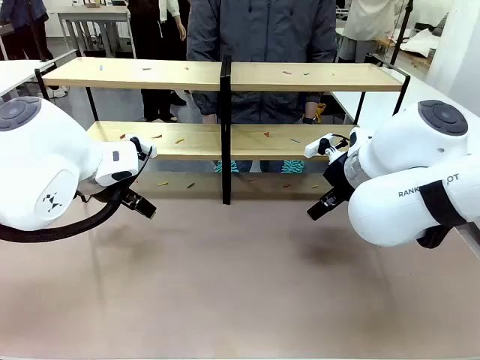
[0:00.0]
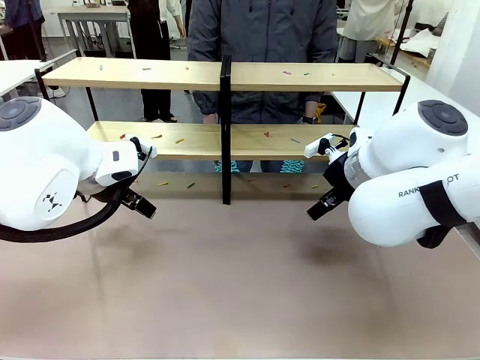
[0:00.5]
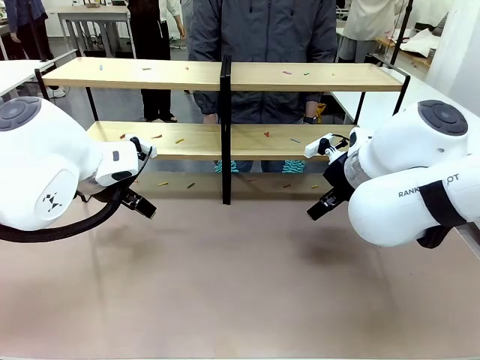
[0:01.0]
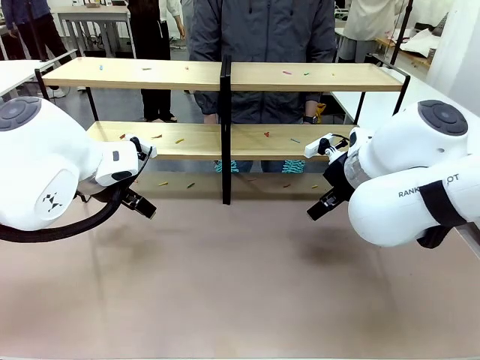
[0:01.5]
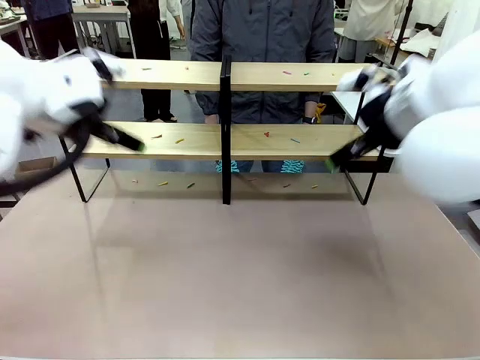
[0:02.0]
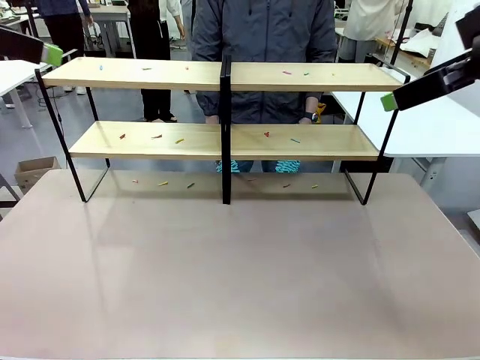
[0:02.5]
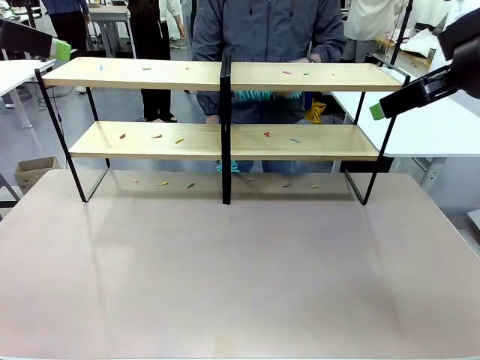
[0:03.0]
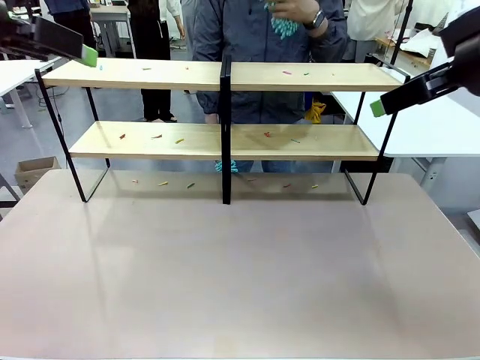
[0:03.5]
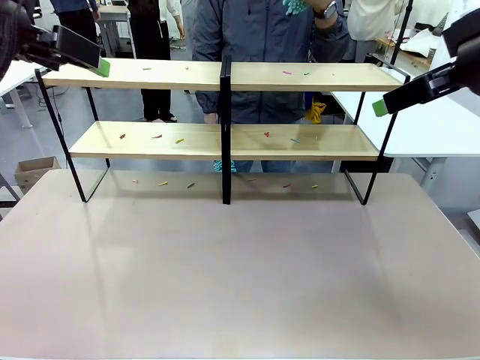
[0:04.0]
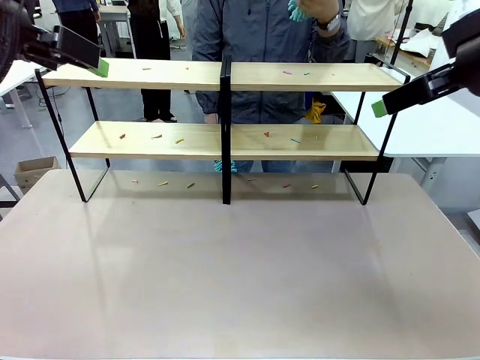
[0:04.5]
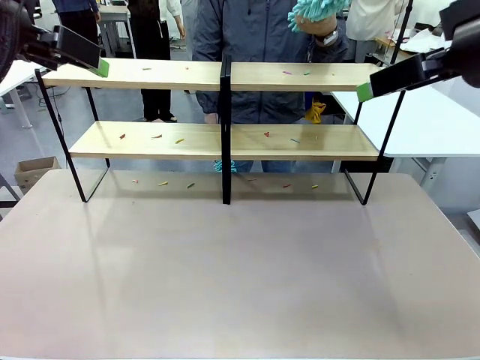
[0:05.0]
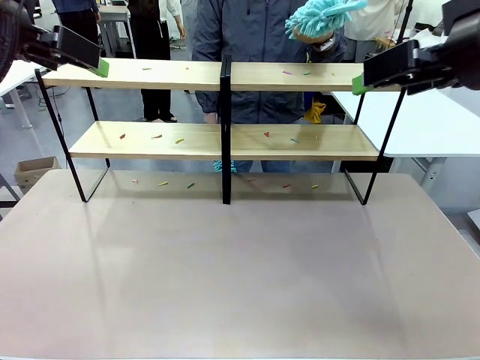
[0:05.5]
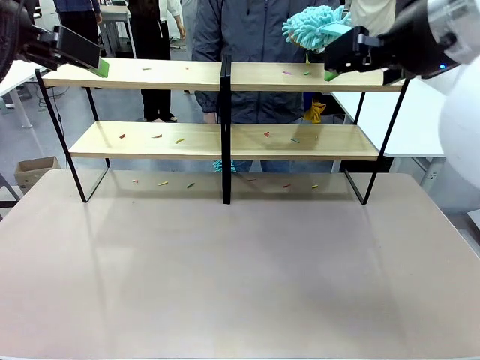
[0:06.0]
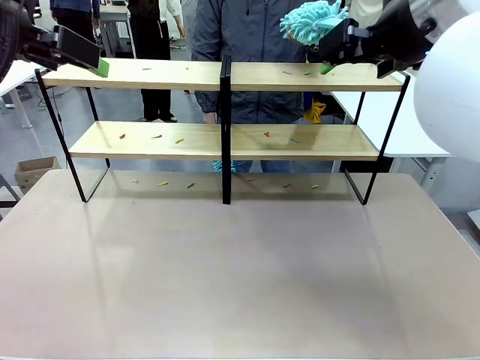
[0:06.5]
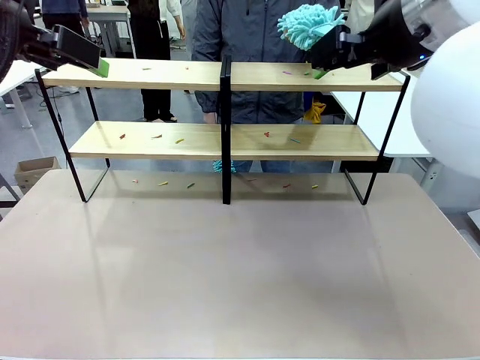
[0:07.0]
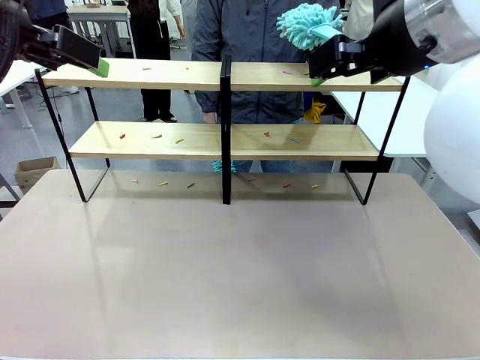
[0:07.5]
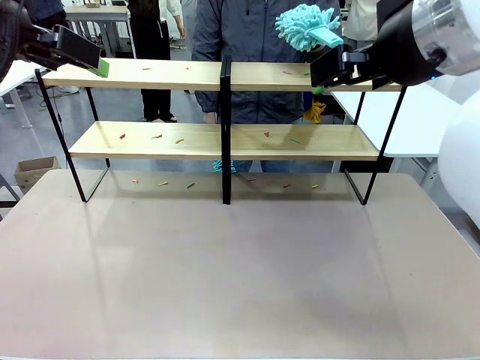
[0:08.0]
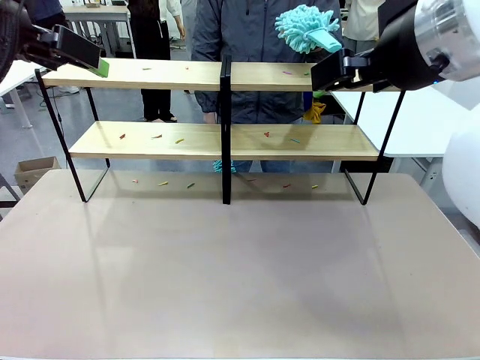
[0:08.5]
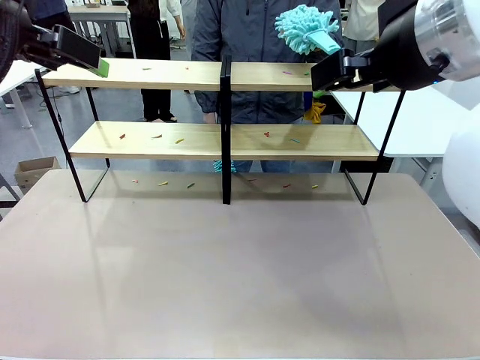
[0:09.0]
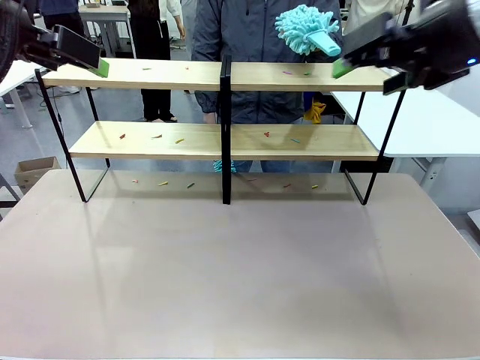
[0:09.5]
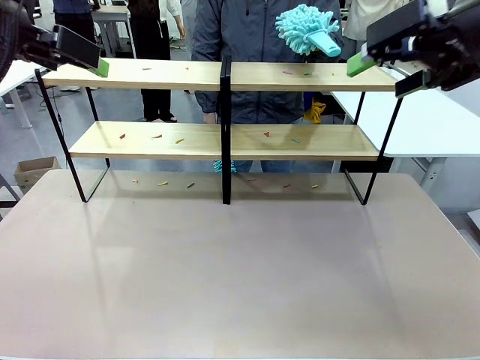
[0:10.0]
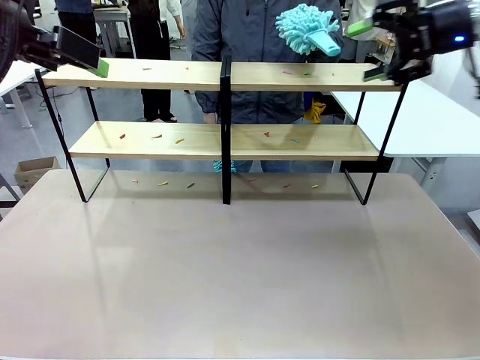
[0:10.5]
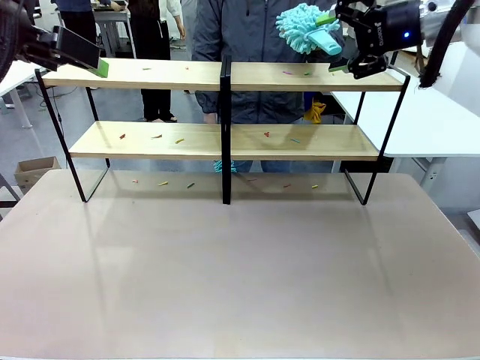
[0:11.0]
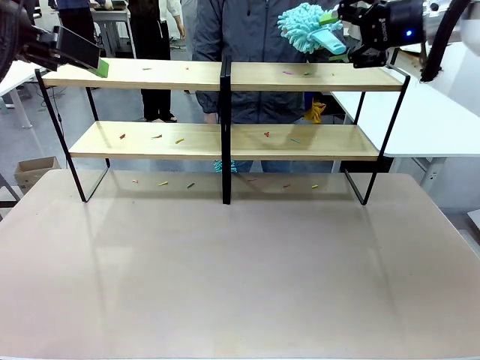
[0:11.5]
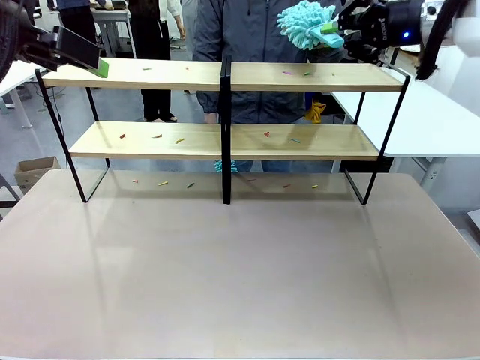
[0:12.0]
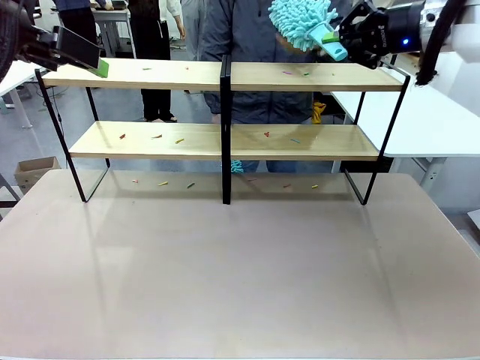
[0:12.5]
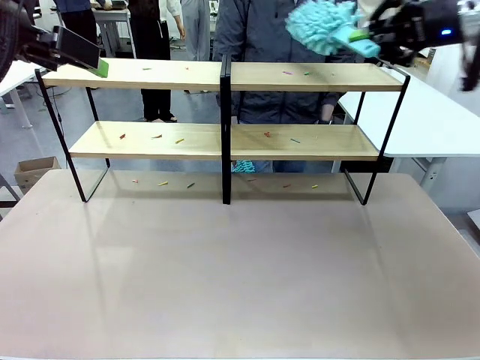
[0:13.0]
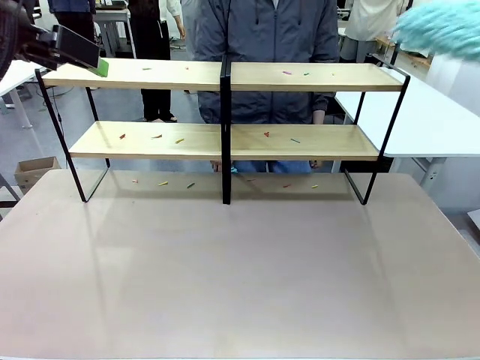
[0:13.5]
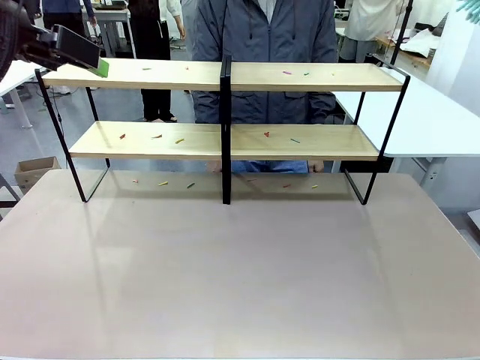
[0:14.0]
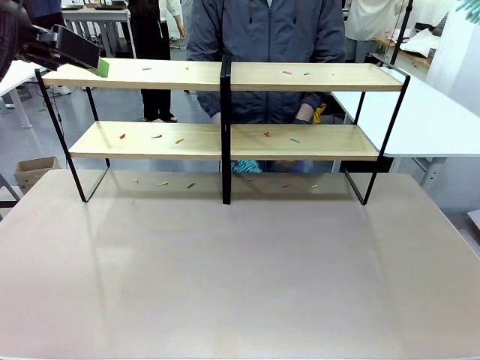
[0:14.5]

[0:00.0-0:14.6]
Task: Clean the shelves.
Robot: Pick up the Duster when the human hands it over.
Person: Hand the Duster to the robot with your right (or left) hand.

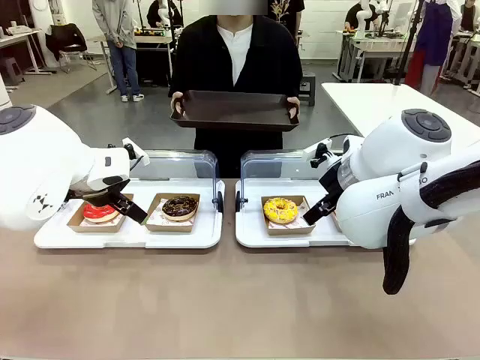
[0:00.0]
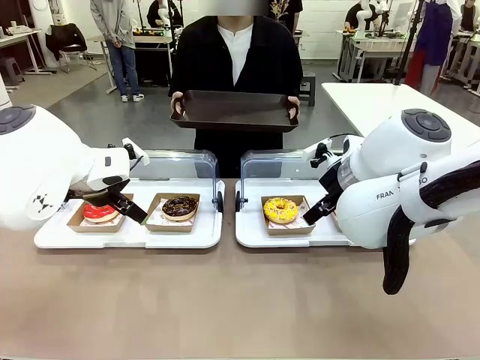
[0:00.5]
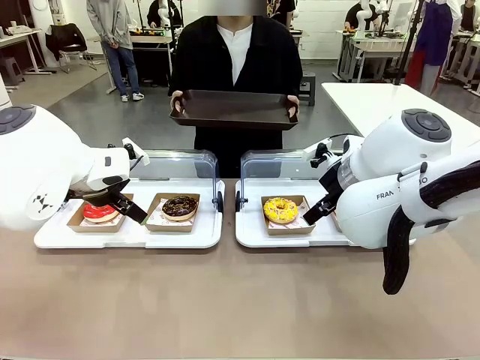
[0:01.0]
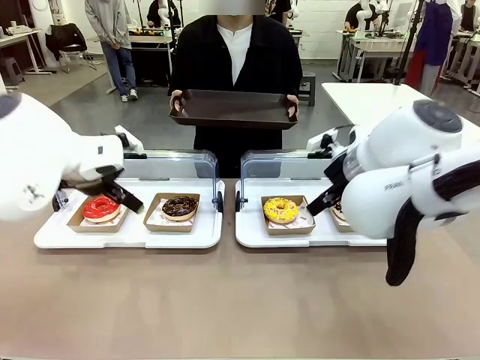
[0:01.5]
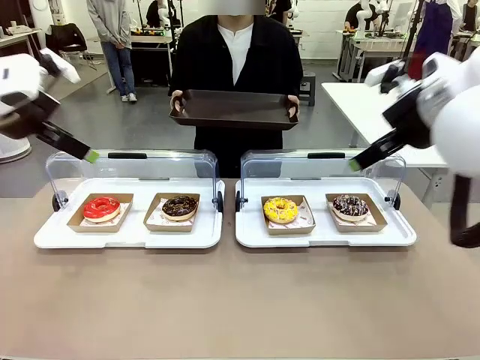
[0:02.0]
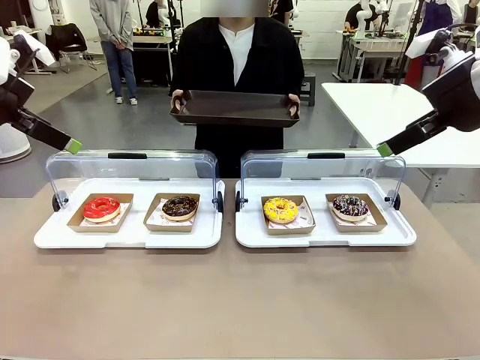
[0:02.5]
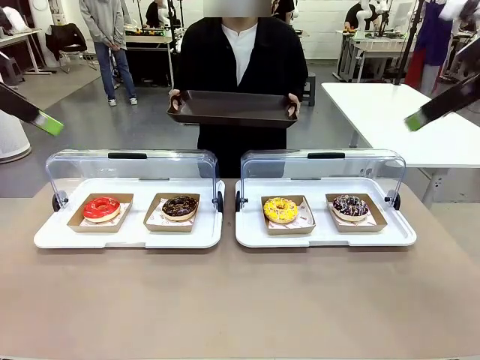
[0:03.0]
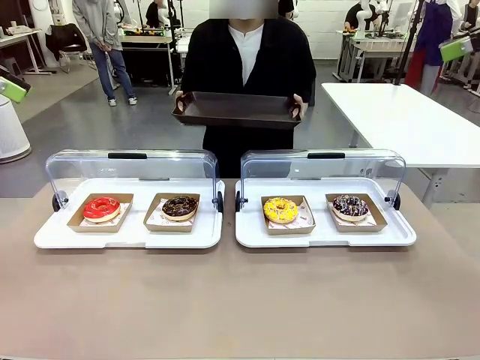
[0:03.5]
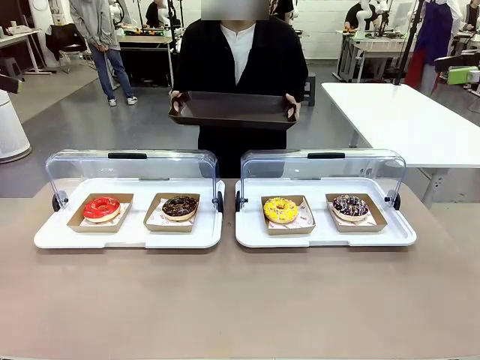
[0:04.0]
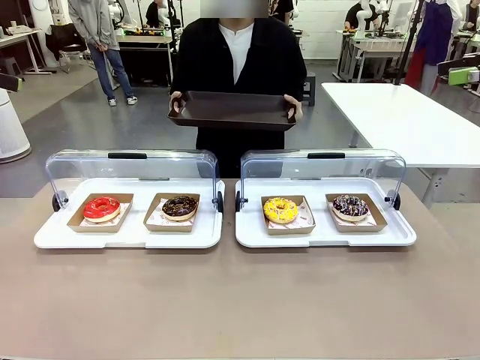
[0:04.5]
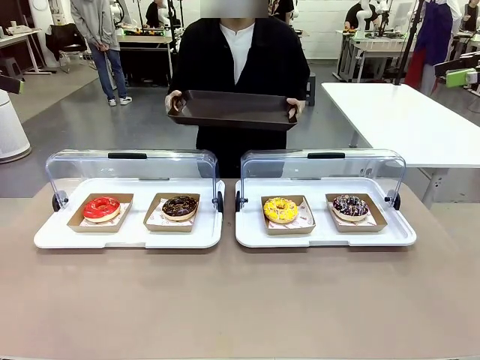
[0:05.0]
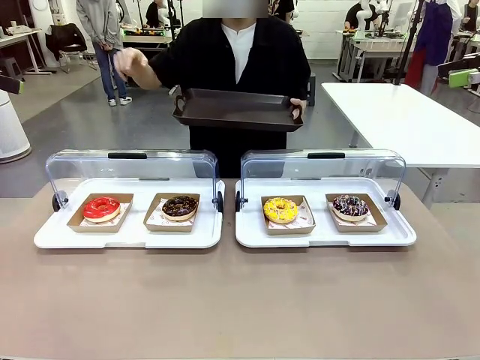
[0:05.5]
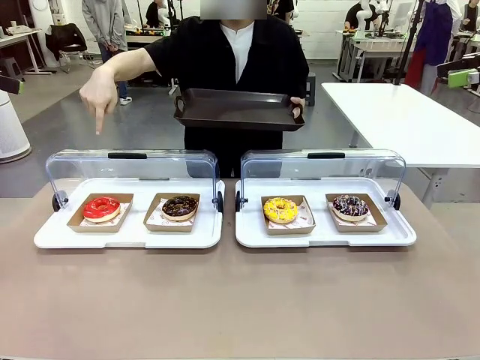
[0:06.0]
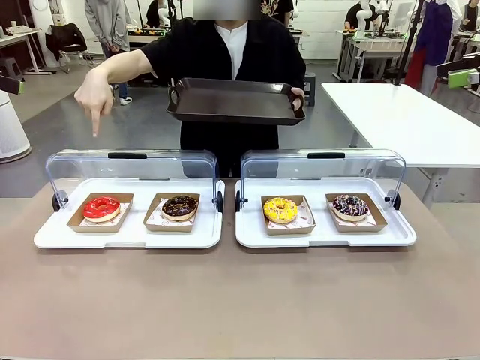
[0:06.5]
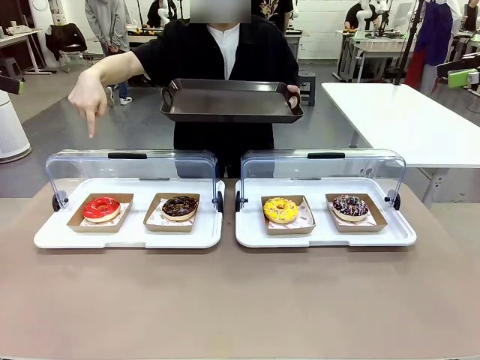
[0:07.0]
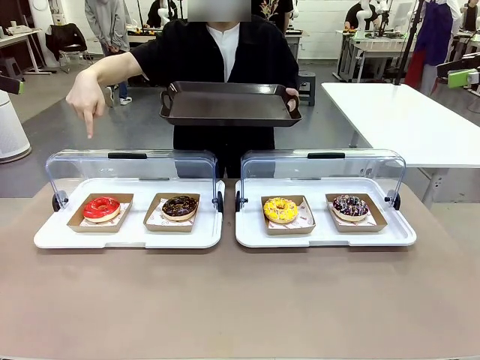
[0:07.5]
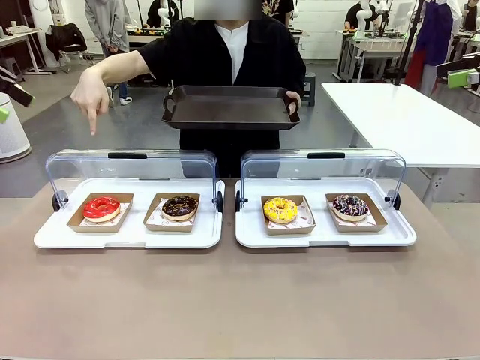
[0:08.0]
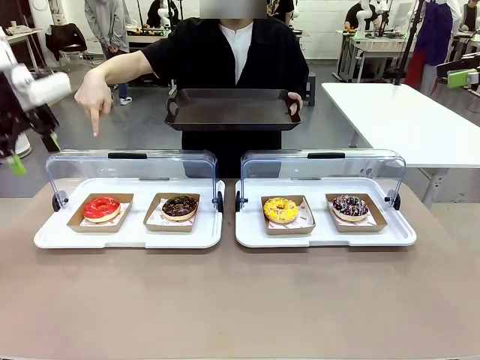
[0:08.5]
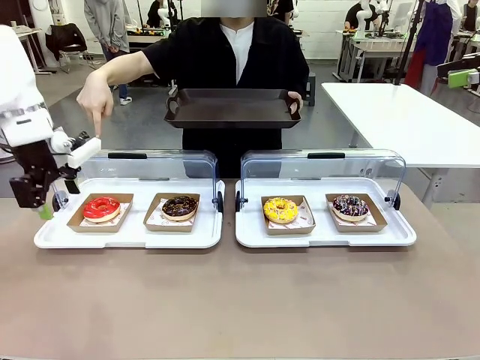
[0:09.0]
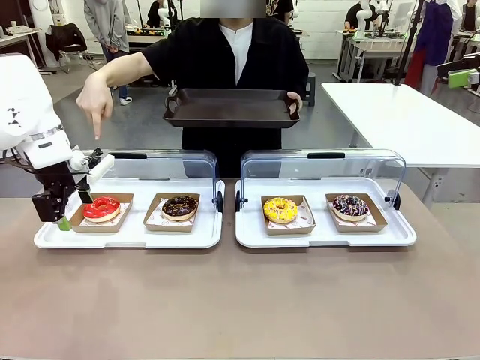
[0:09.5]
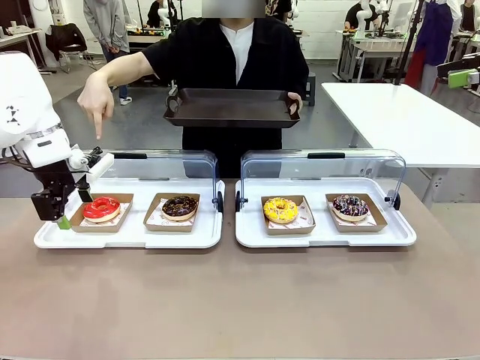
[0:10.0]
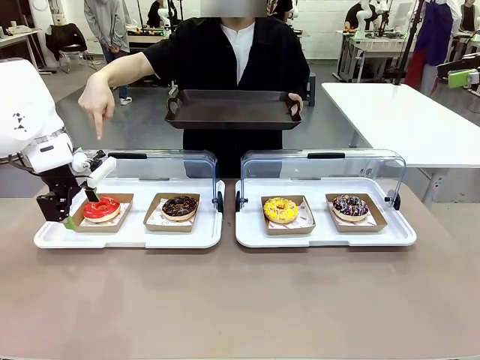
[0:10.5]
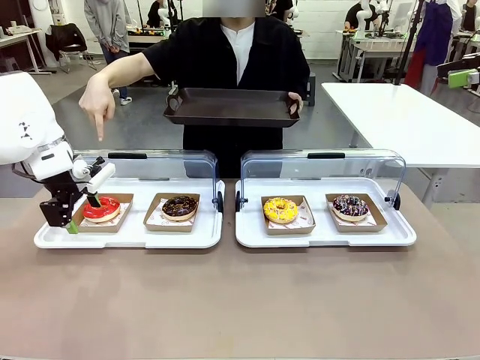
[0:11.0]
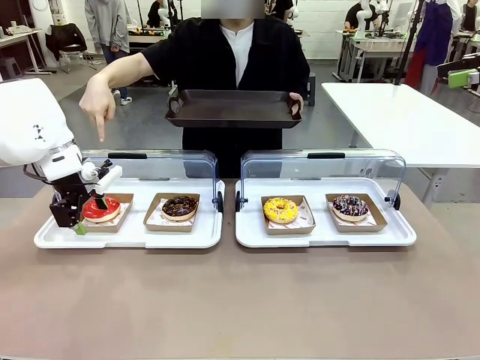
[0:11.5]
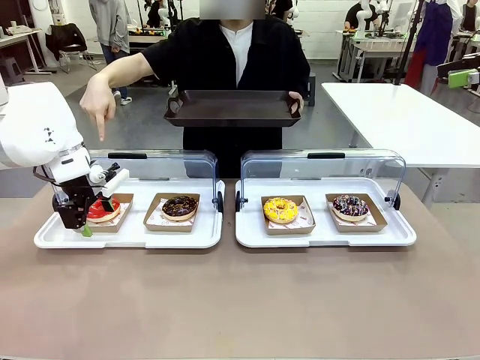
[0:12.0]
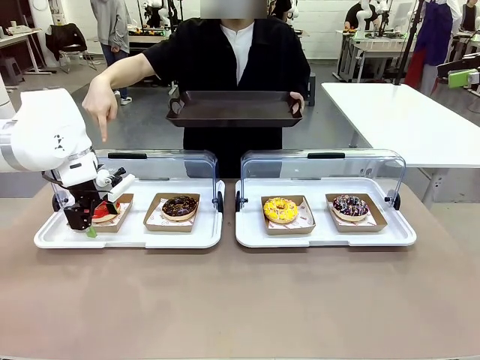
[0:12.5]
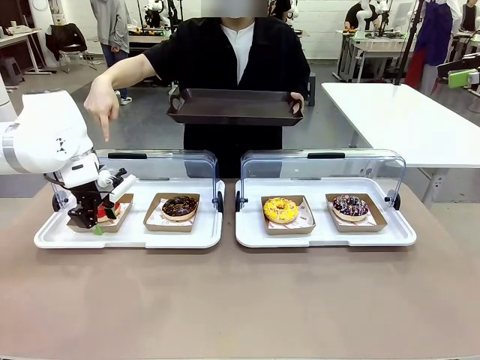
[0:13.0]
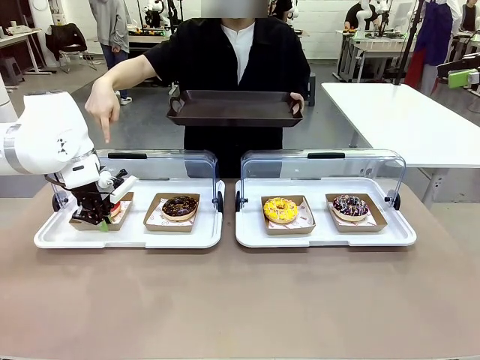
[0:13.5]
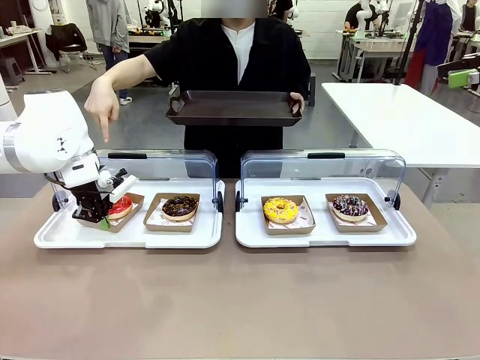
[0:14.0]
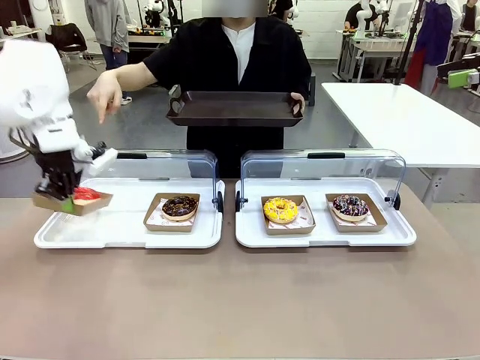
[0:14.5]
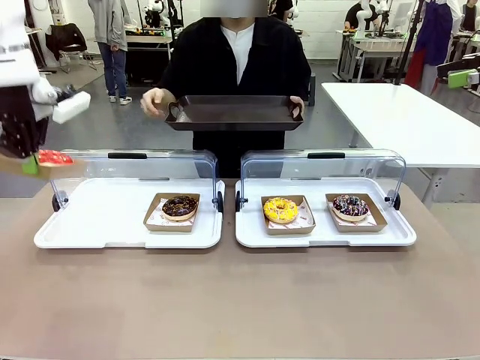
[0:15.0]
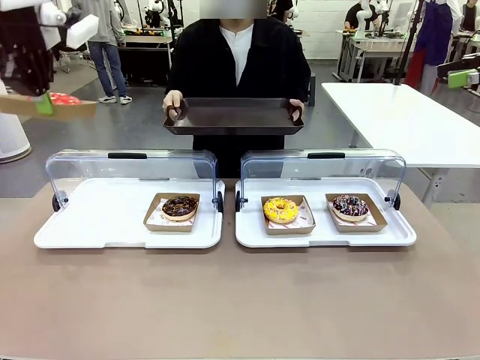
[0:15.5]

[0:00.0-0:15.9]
Task: Provide the desired donut to the person.
Robot: Pick up and lift the Paper togo box containing the Donut pointed at by the person.
Person: Point to one donut. Lift the tray onto the Roll-Top Bakery Case.
